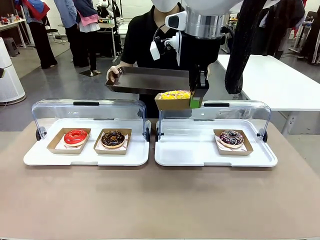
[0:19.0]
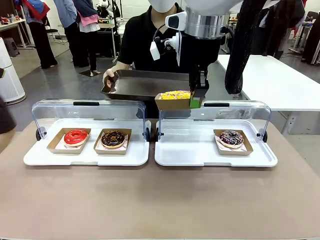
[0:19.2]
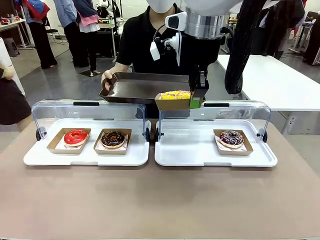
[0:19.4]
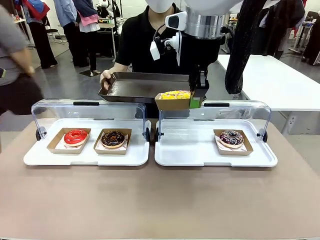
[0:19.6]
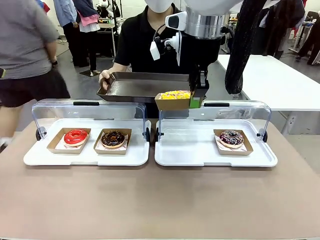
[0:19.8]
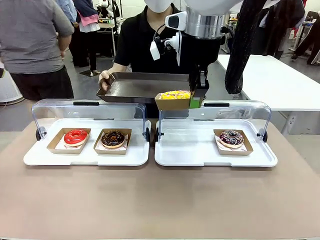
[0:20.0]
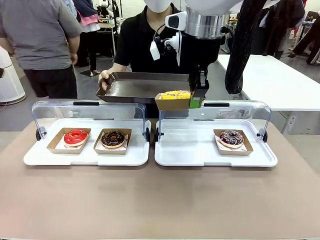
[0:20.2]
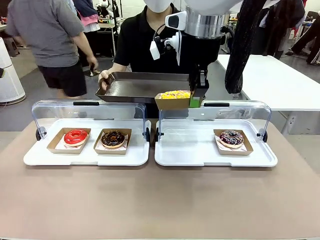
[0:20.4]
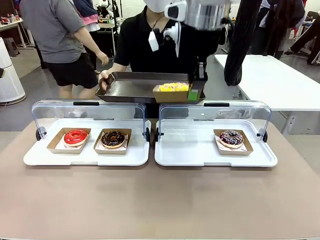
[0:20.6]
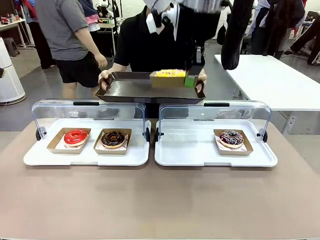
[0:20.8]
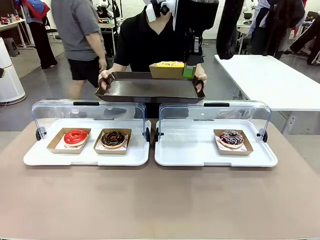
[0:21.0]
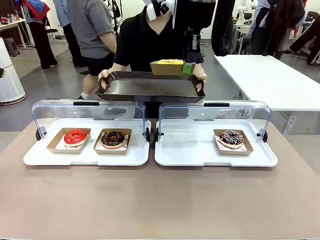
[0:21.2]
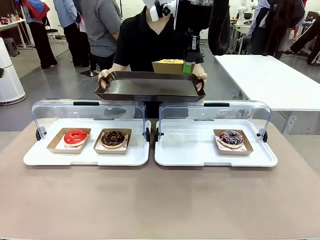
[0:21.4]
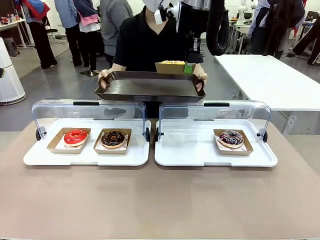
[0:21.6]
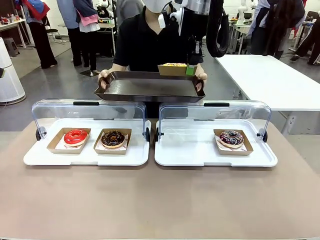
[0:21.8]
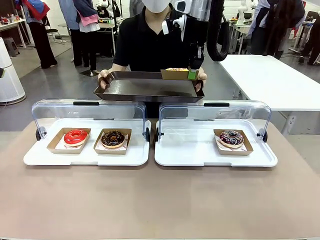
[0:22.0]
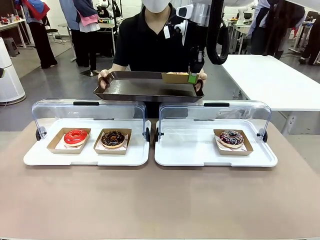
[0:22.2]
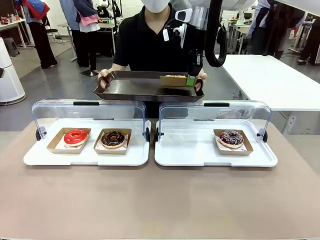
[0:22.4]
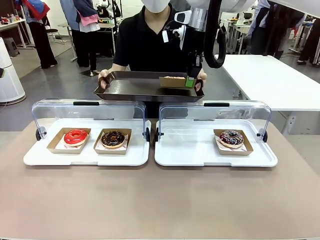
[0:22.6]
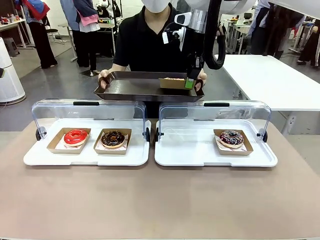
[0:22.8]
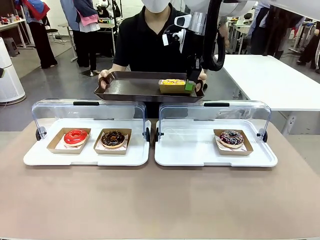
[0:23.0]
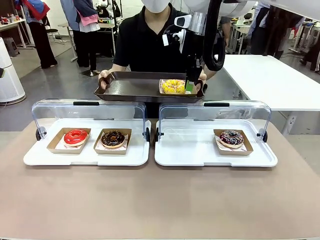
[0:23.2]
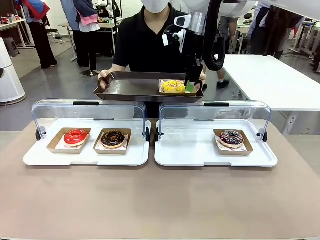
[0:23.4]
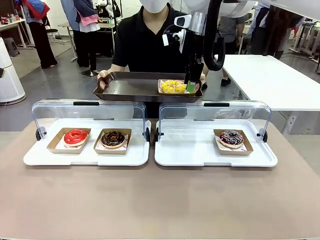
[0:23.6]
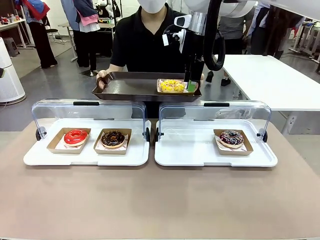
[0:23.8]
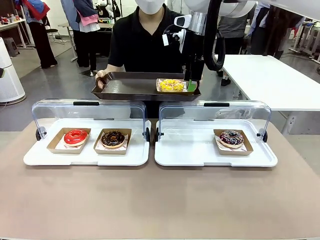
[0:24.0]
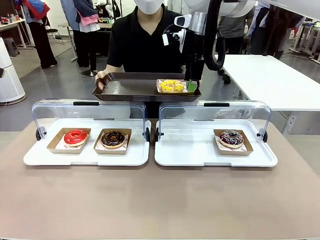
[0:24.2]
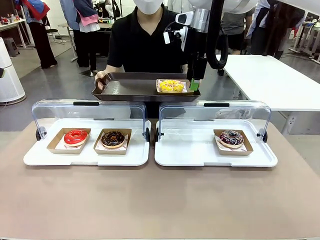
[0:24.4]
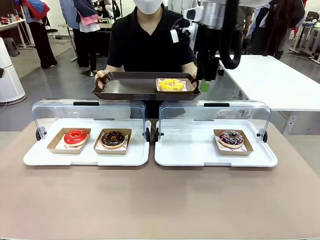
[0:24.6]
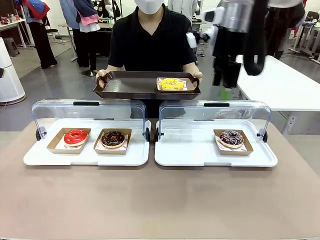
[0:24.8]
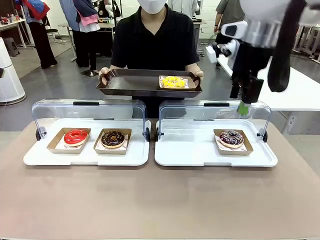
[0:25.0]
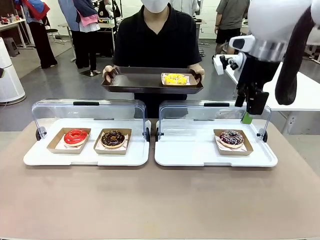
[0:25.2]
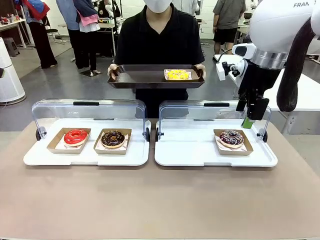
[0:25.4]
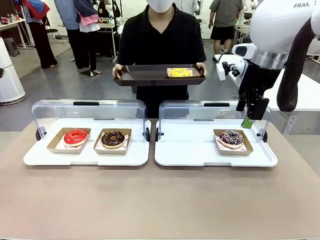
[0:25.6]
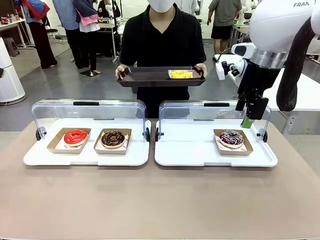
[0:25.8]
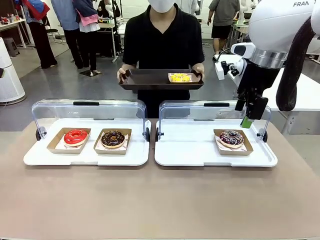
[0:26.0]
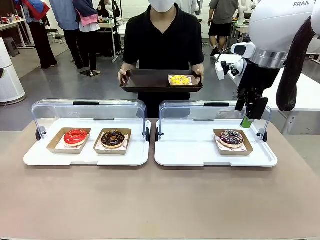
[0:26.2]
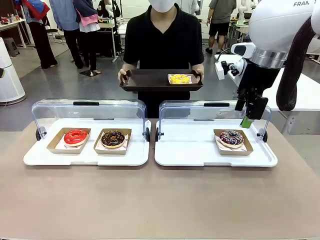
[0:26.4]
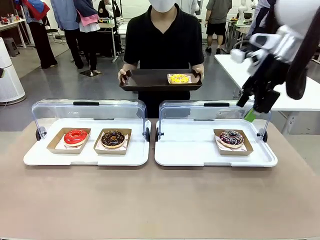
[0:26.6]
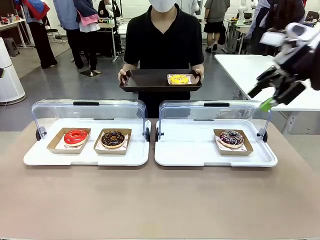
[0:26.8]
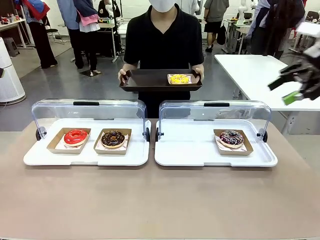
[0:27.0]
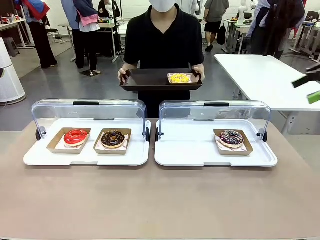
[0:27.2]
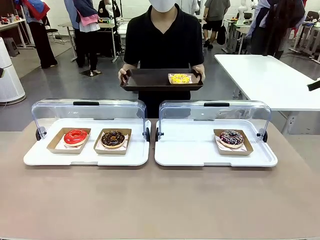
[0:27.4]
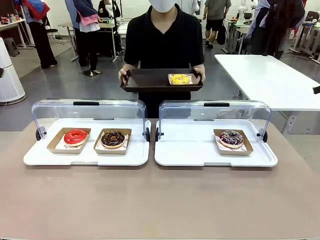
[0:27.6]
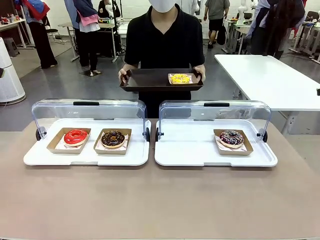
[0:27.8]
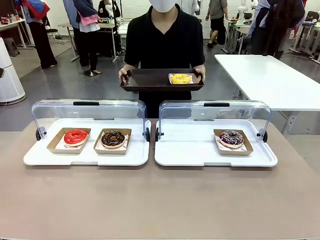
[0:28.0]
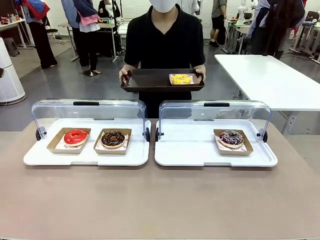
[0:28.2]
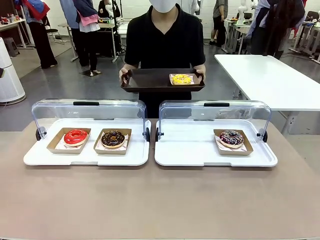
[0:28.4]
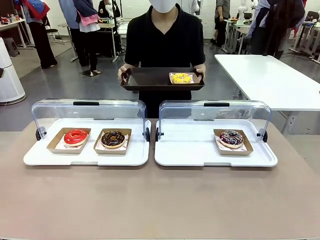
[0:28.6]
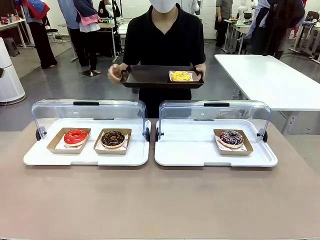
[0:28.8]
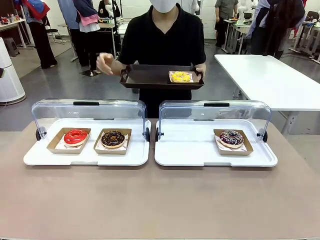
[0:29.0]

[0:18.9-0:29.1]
Task: Provide the desired donut to the person.
Robot: Place the picked Paper togo box onto the Handle tray extended by the person.
Person: Point to one donut.

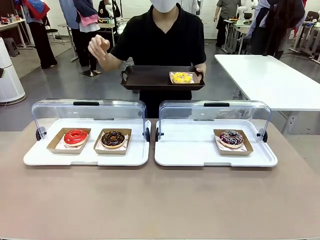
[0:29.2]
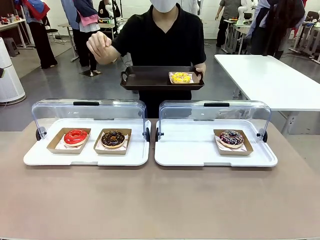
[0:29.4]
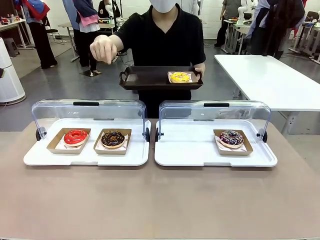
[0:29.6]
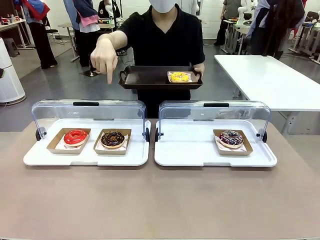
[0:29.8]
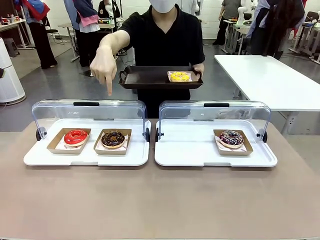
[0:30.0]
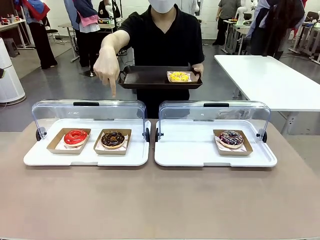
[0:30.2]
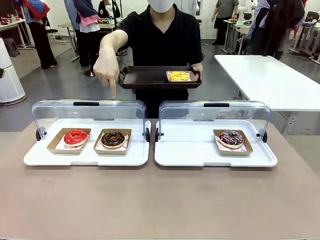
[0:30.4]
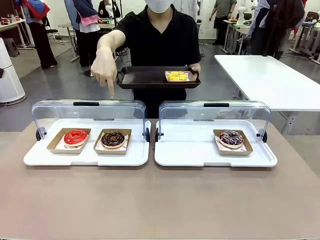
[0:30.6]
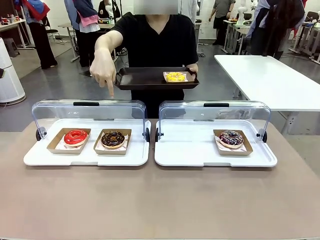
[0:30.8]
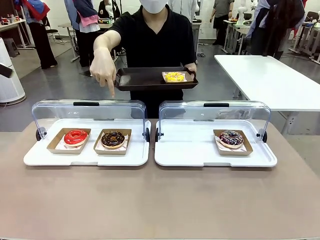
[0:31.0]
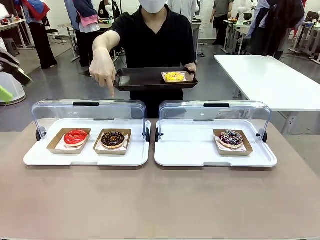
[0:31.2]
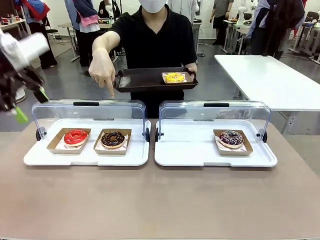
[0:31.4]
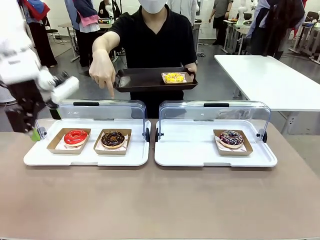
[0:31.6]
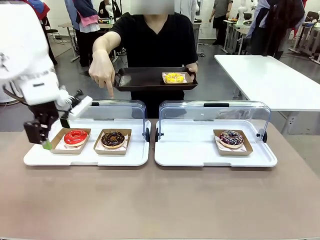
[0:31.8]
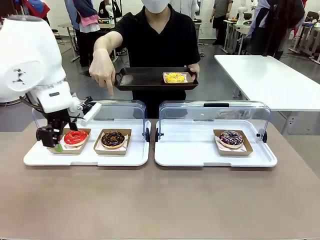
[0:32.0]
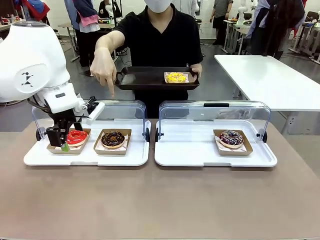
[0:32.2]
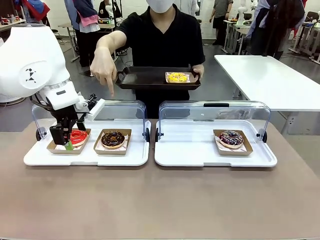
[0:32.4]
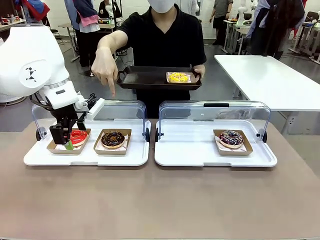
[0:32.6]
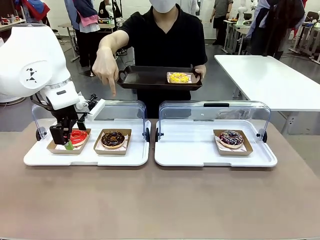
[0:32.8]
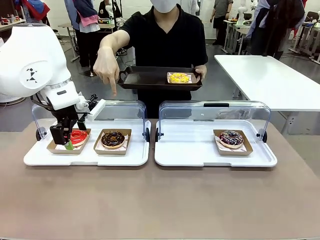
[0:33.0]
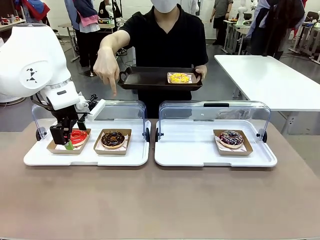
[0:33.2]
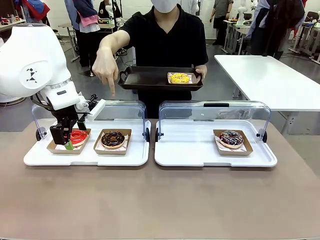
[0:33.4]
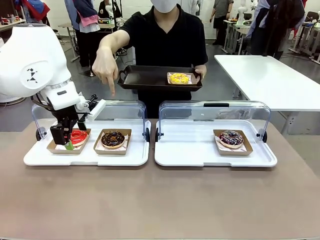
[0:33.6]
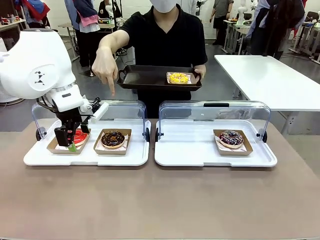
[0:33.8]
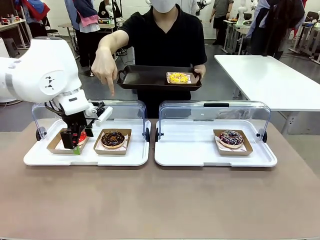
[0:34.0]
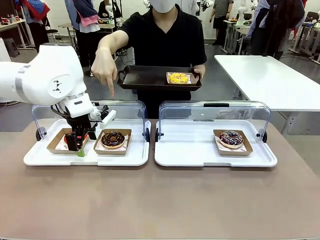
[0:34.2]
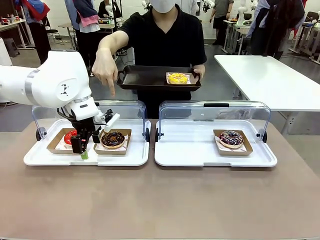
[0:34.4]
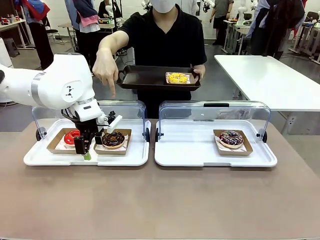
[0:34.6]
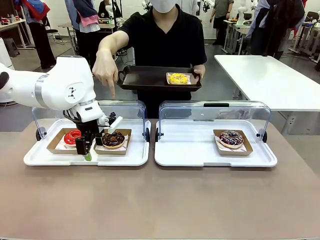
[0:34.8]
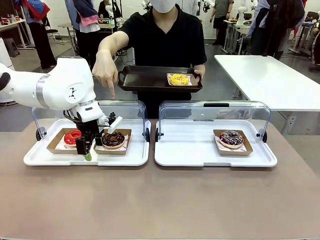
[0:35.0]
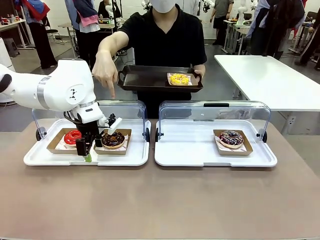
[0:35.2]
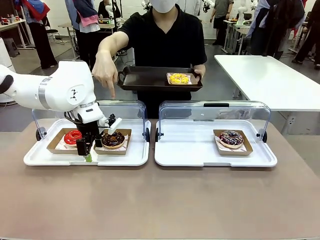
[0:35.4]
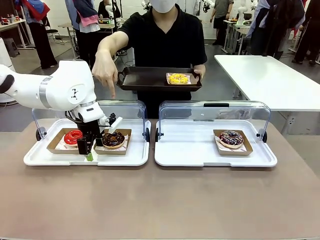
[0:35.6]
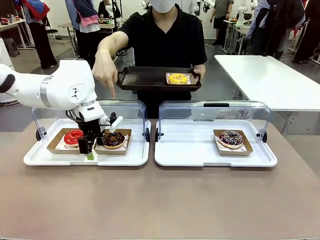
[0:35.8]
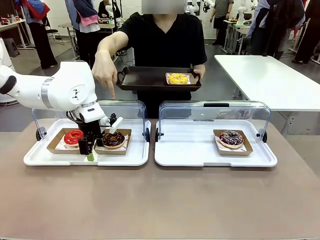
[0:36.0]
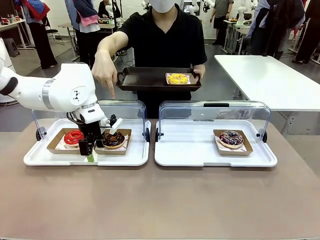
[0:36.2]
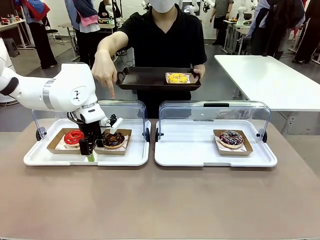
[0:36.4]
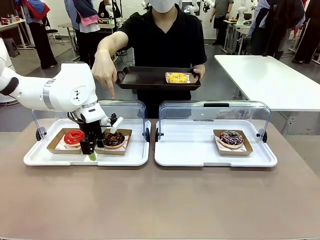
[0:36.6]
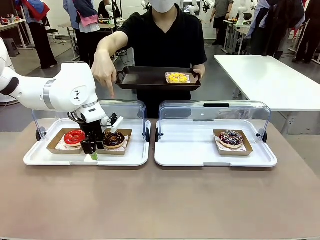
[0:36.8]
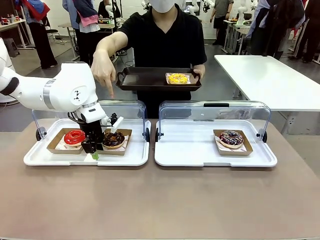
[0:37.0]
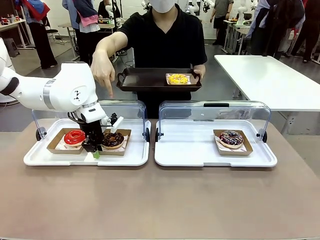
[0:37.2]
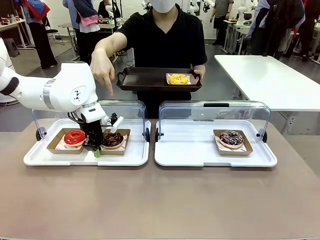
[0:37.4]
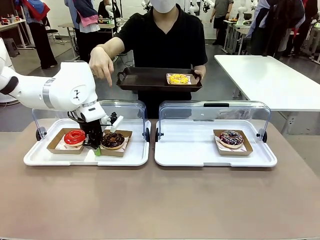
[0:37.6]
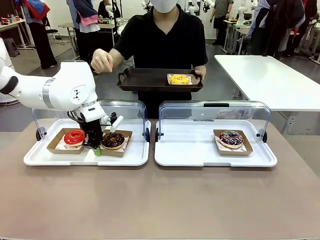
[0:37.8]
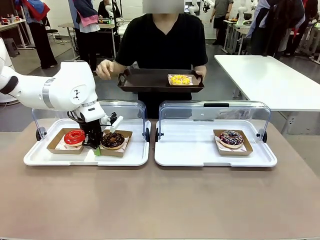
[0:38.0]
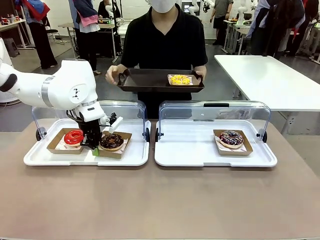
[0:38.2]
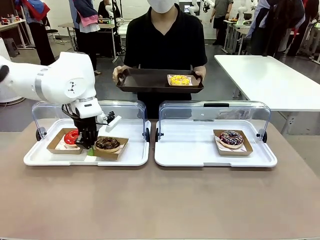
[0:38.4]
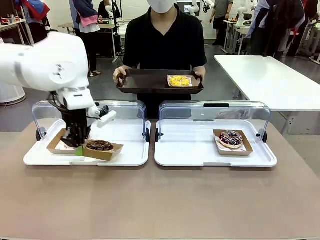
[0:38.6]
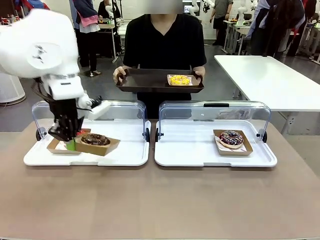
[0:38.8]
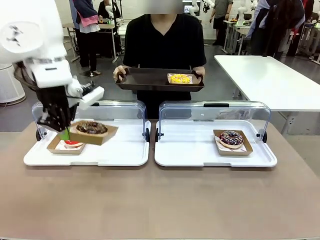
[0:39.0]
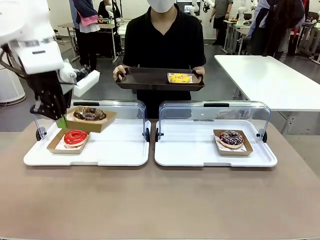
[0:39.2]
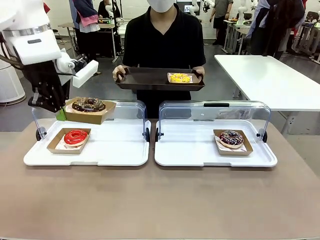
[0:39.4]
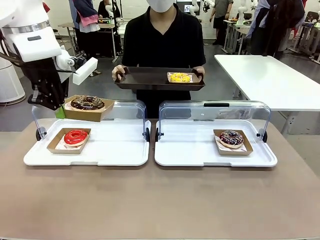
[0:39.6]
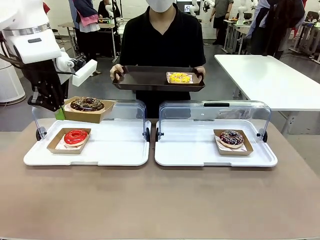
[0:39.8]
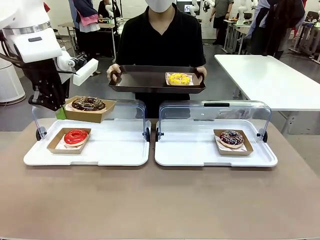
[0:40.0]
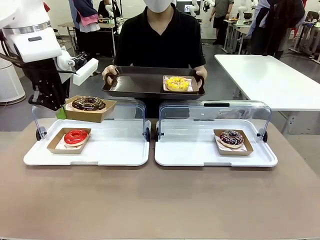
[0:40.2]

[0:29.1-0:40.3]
Robot: Pick up and lift the Paper togo box containing the Donut pointed at by the person.
Person: Lift the tray onto the Roll-Top Bakery Case.
